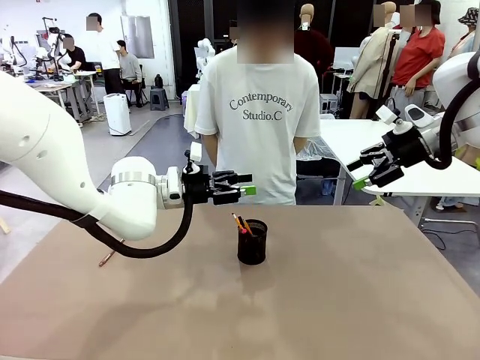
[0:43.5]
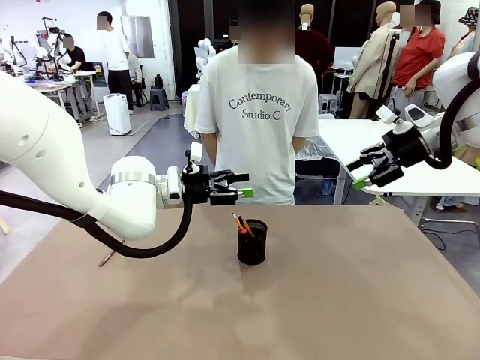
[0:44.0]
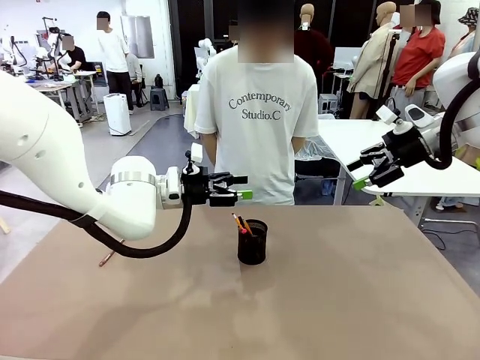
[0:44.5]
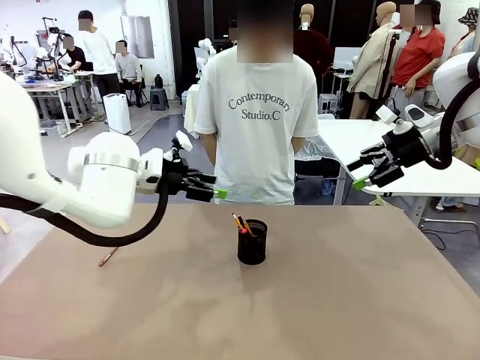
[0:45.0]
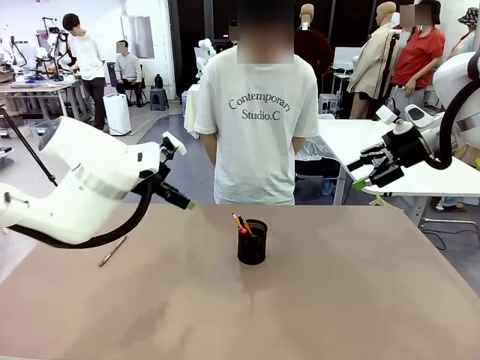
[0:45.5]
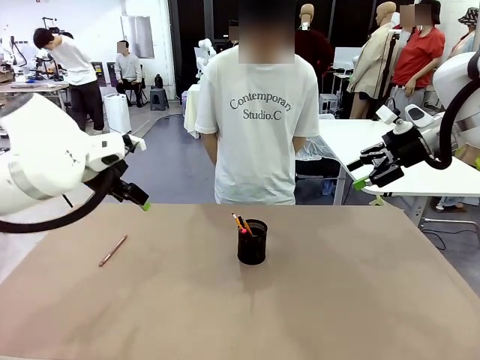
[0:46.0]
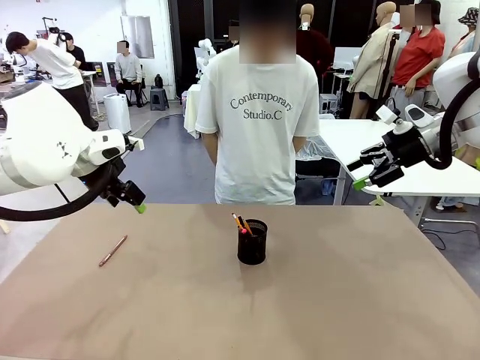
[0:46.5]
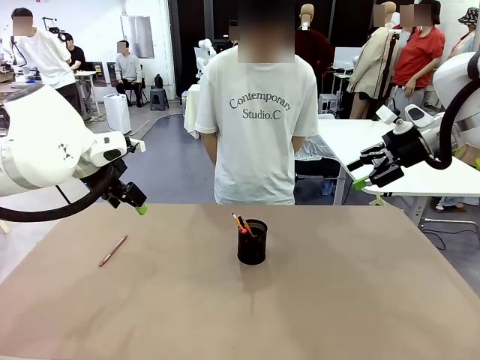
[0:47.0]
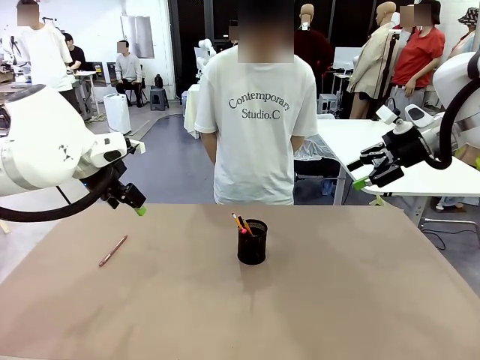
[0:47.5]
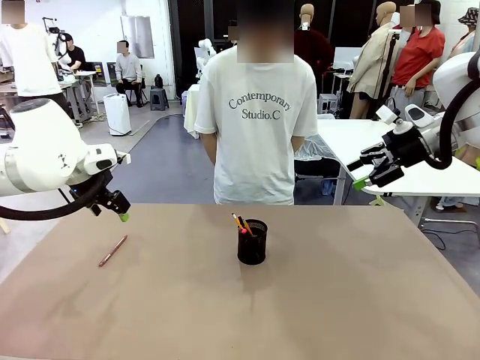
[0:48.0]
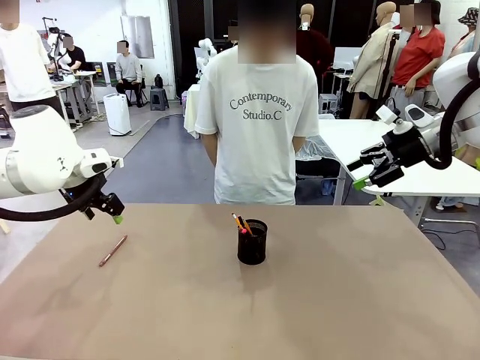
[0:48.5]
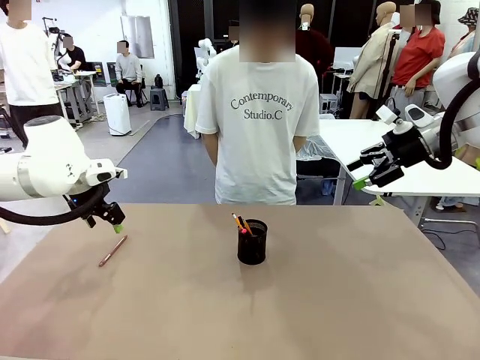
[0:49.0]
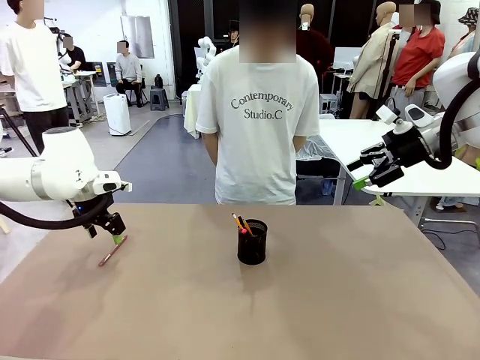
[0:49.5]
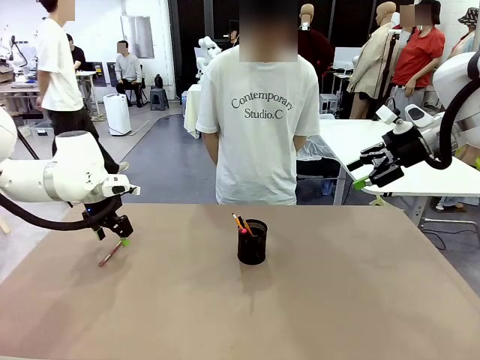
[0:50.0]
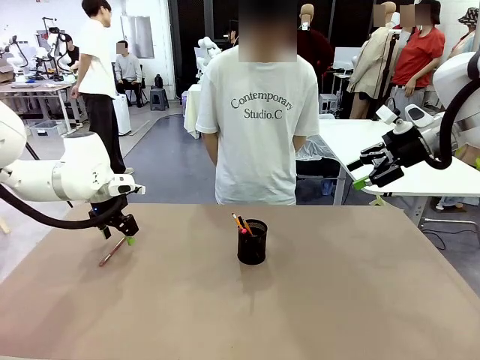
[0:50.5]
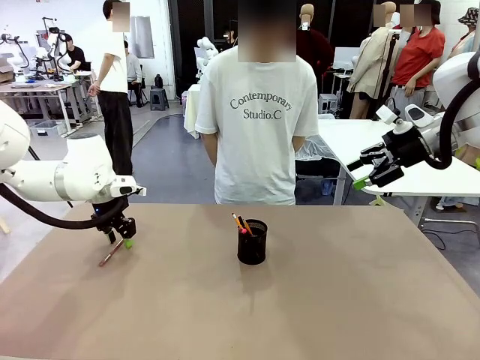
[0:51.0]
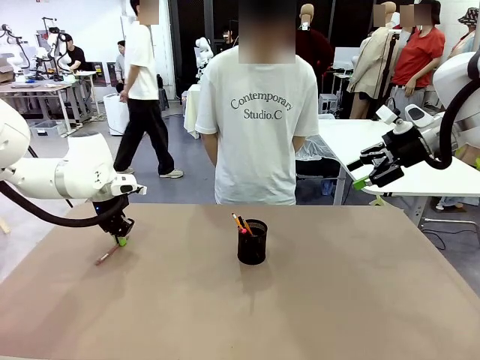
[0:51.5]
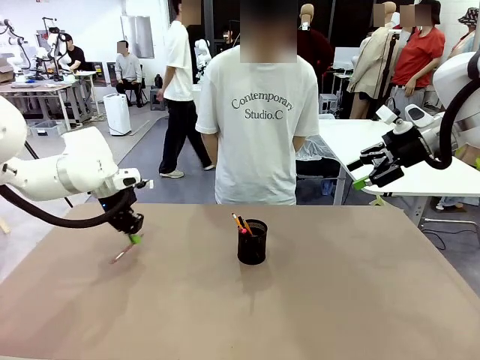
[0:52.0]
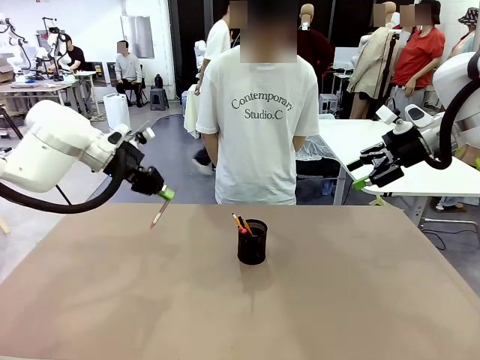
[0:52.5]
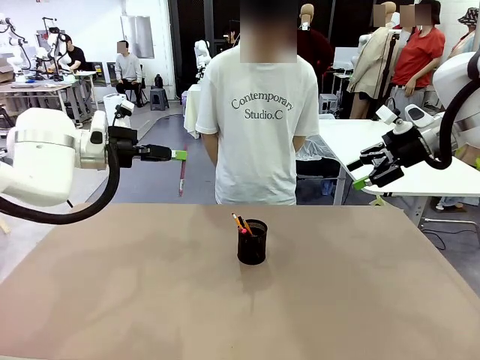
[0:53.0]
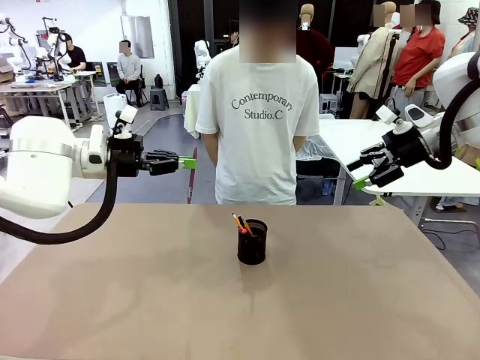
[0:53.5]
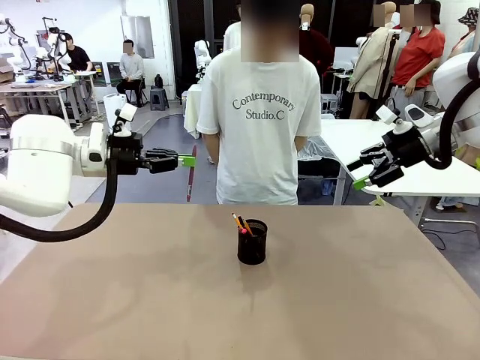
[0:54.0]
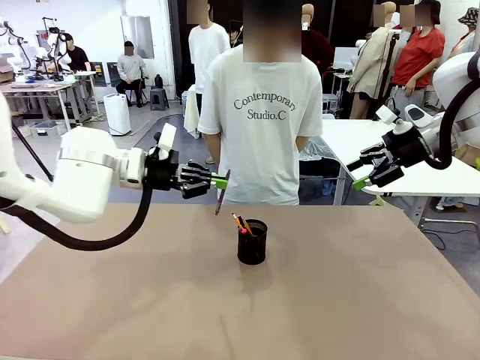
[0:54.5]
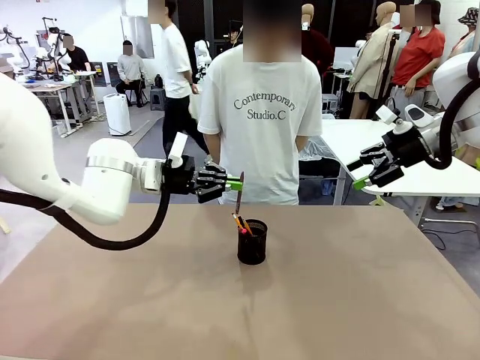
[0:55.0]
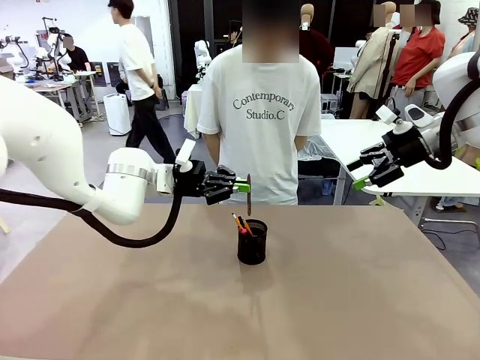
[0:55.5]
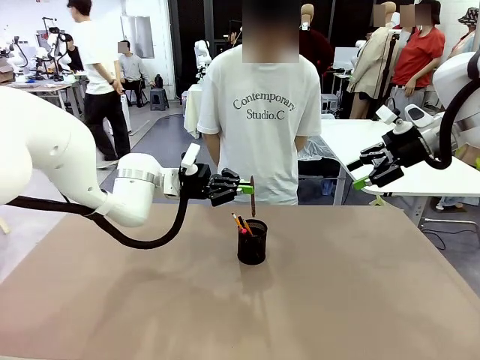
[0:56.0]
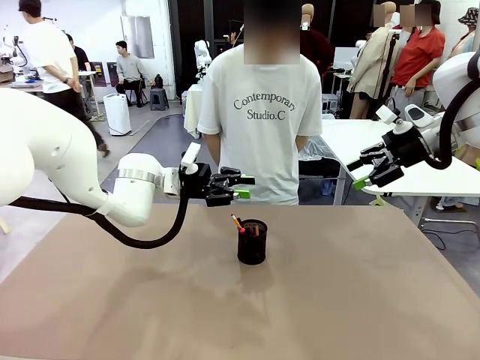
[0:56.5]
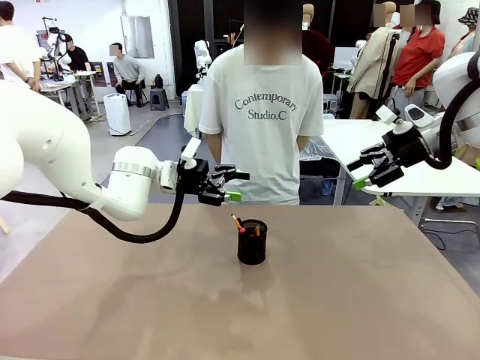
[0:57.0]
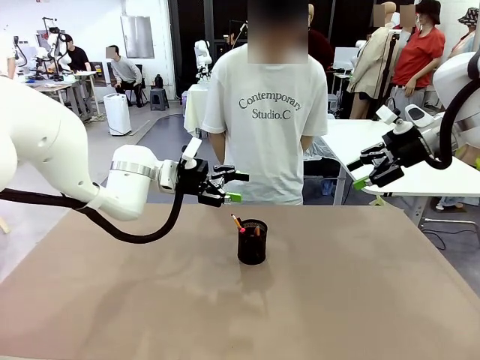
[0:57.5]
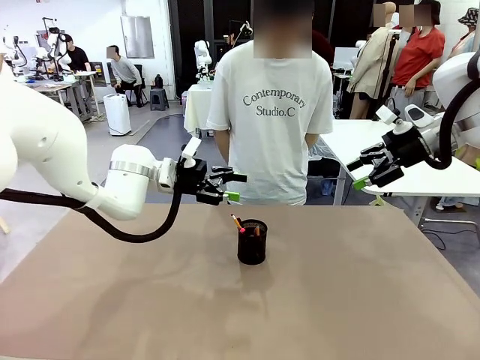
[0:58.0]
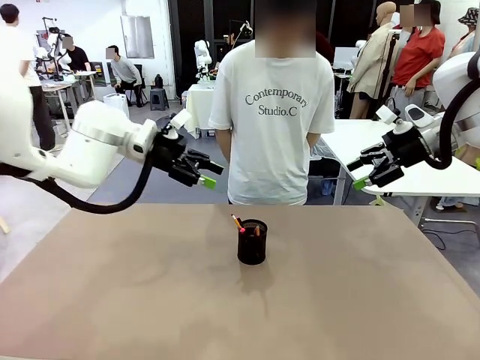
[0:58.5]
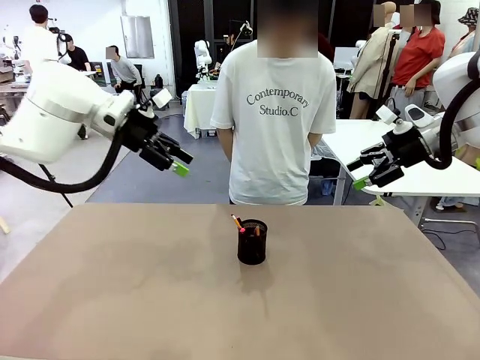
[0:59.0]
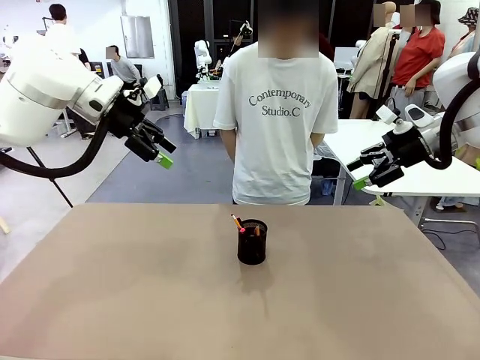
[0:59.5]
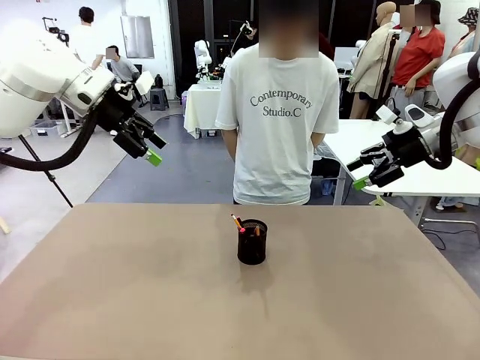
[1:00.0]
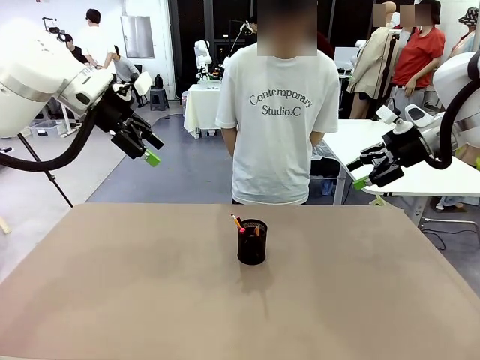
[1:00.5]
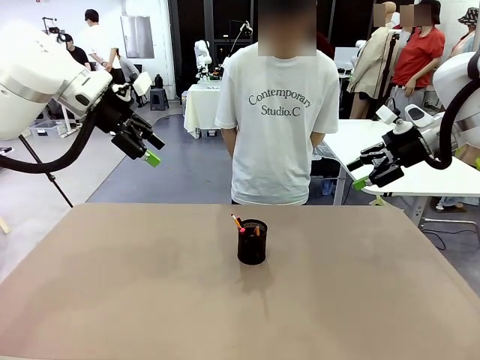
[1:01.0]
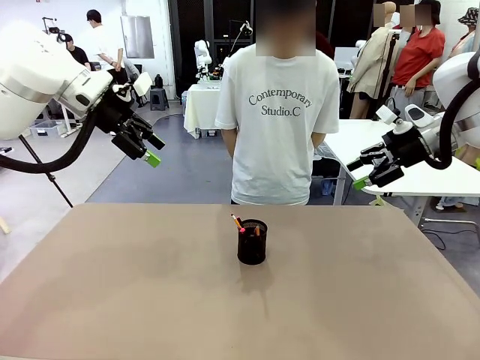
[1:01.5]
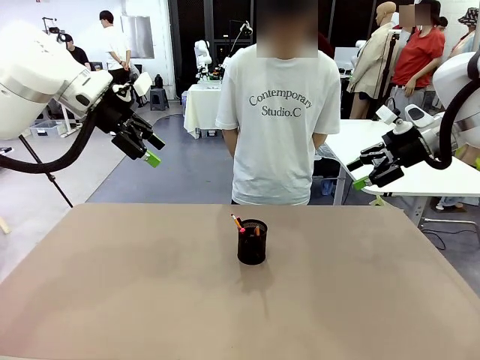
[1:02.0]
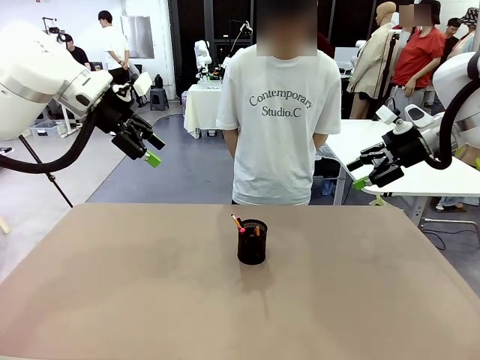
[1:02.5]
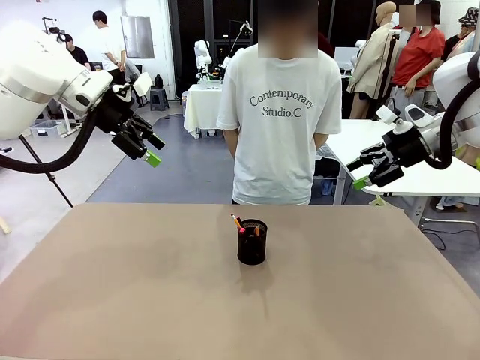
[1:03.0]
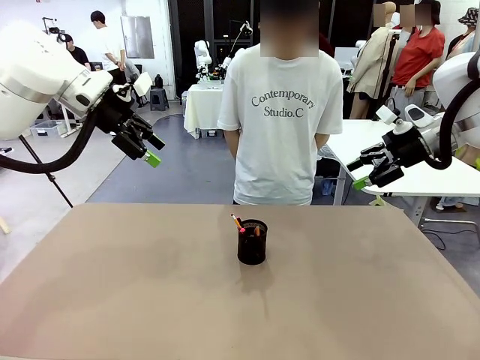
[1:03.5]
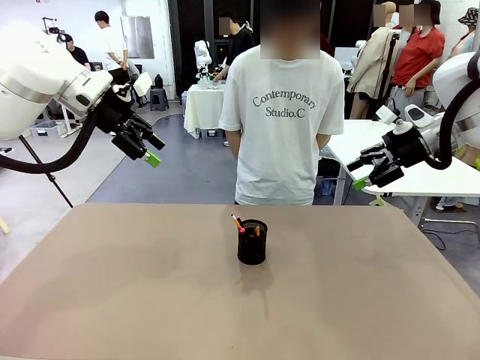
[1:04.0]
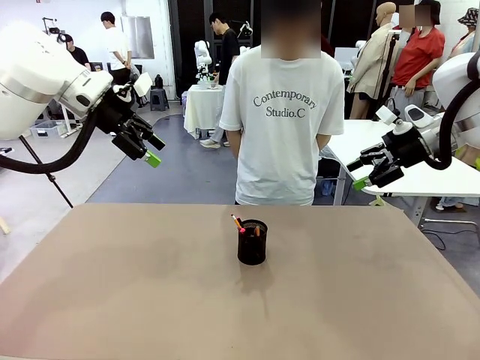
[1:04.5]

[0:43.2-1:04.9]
Task: Place the pens into the pen holder.
Robot: Pick up a writing instrument from the table and place it into the Pen holder.
